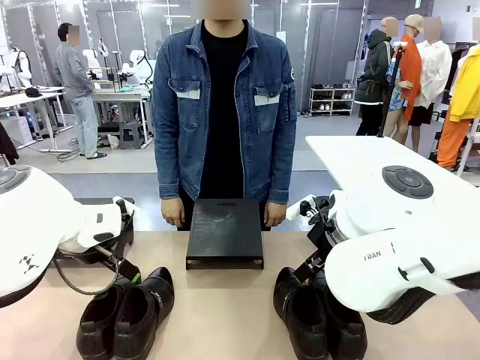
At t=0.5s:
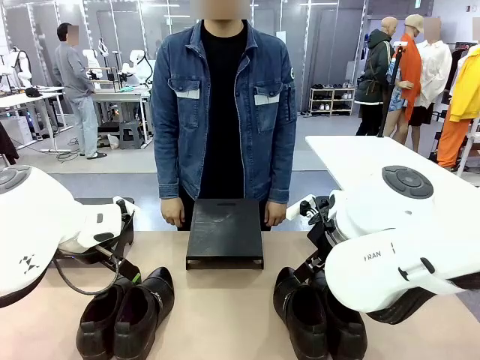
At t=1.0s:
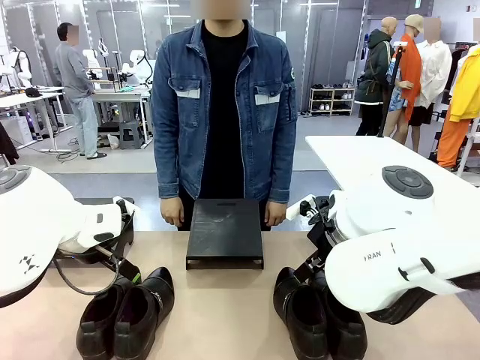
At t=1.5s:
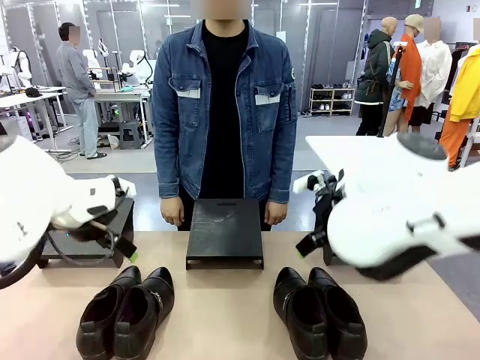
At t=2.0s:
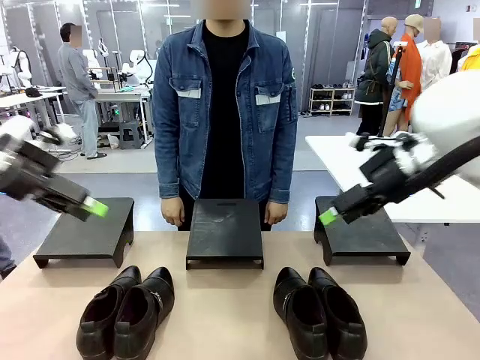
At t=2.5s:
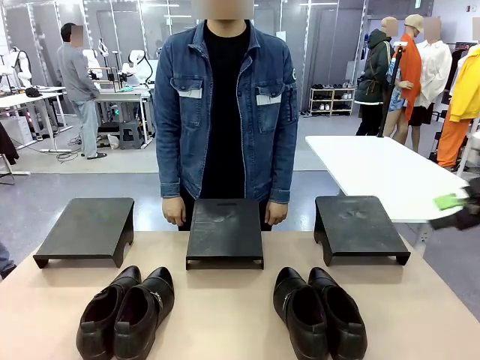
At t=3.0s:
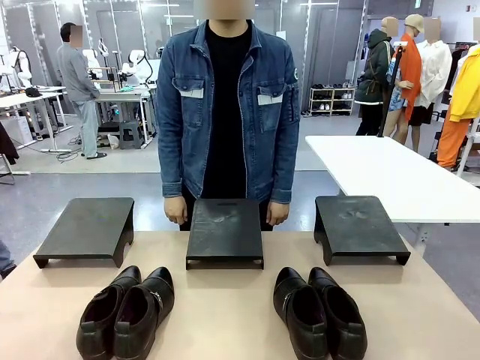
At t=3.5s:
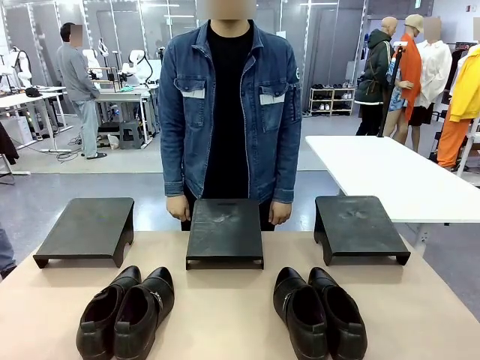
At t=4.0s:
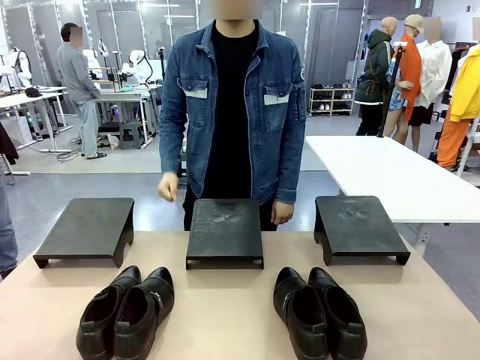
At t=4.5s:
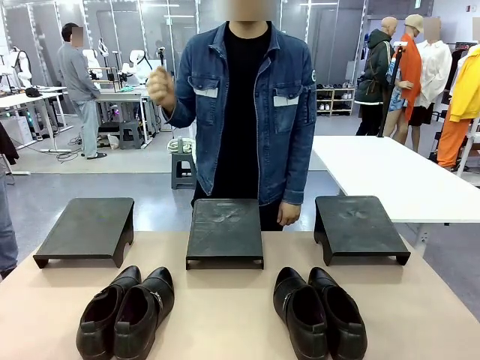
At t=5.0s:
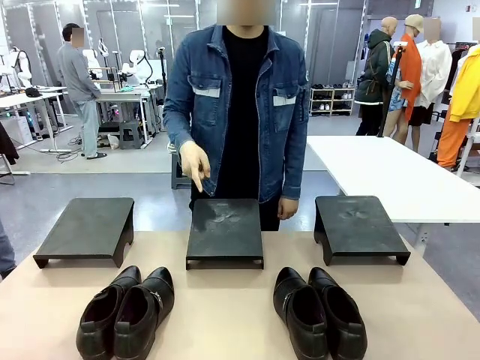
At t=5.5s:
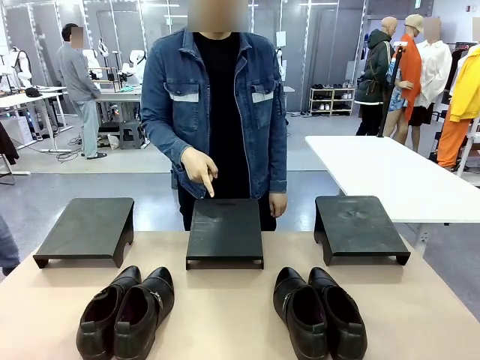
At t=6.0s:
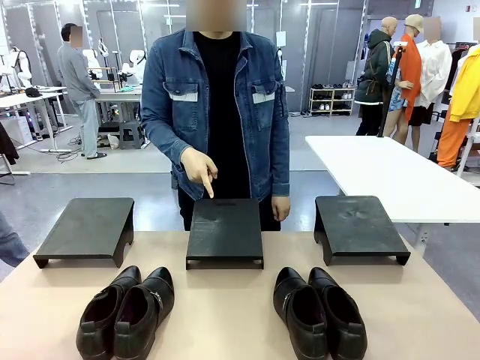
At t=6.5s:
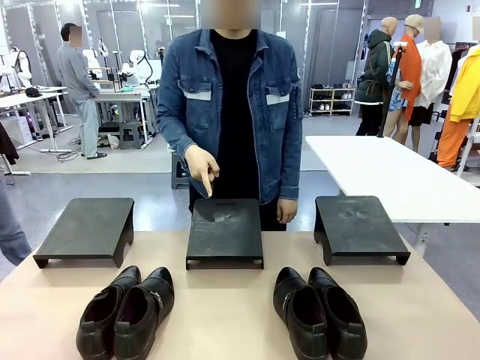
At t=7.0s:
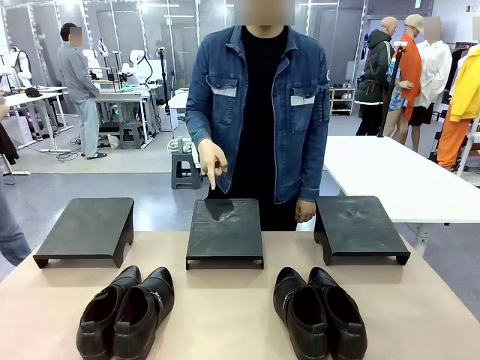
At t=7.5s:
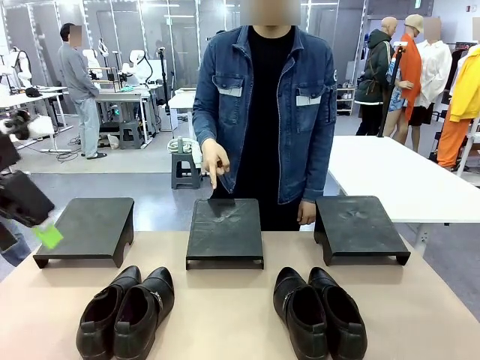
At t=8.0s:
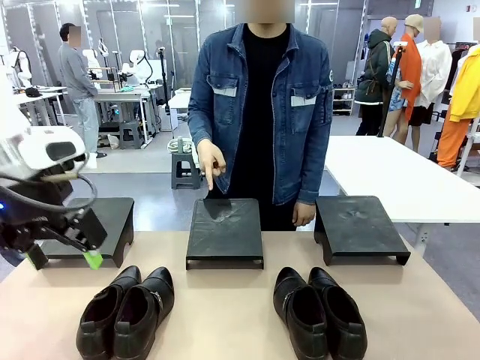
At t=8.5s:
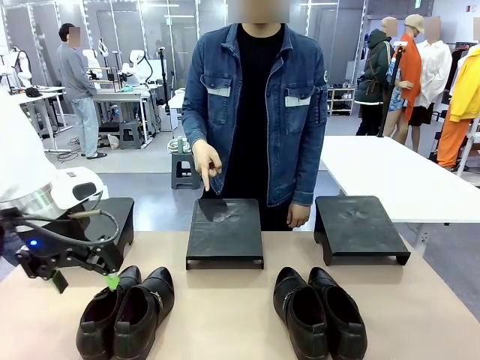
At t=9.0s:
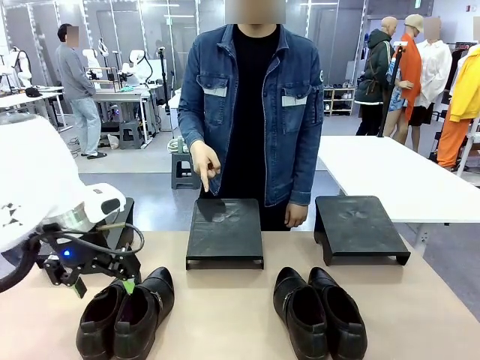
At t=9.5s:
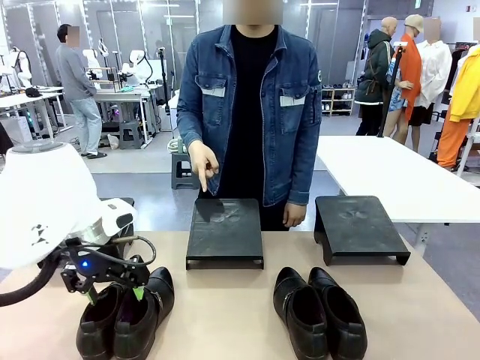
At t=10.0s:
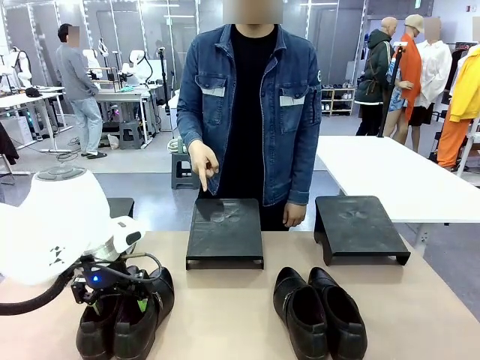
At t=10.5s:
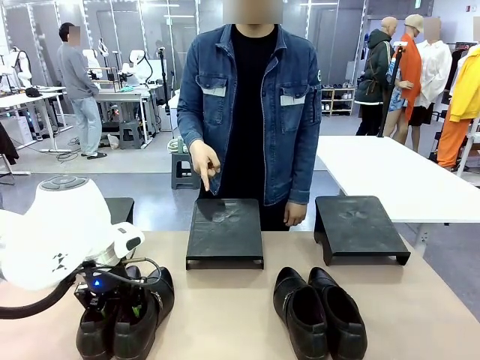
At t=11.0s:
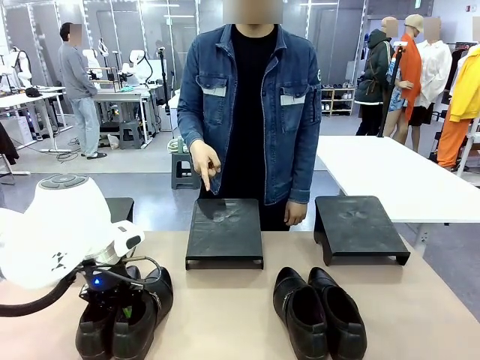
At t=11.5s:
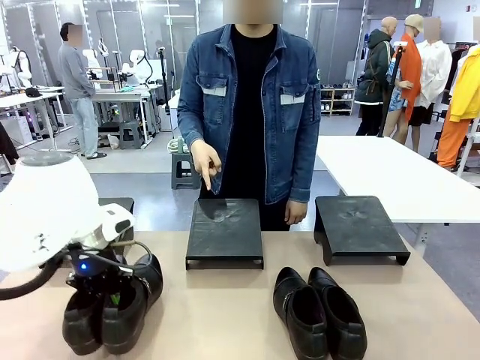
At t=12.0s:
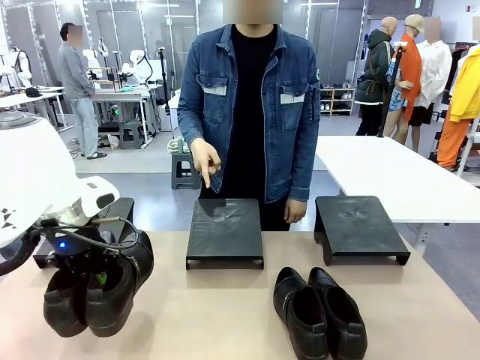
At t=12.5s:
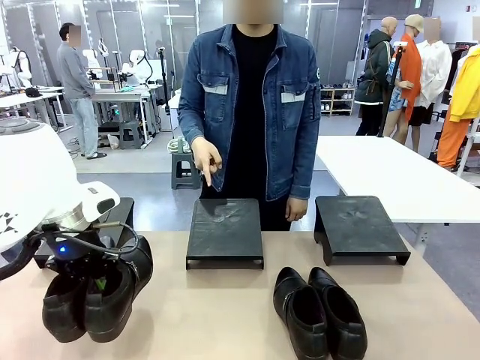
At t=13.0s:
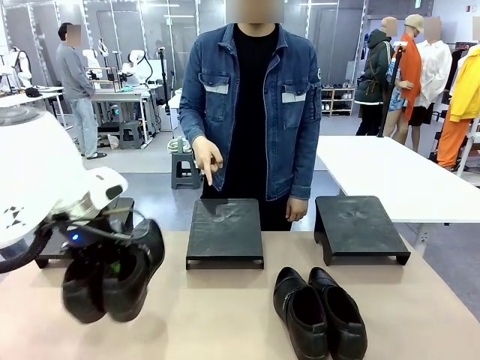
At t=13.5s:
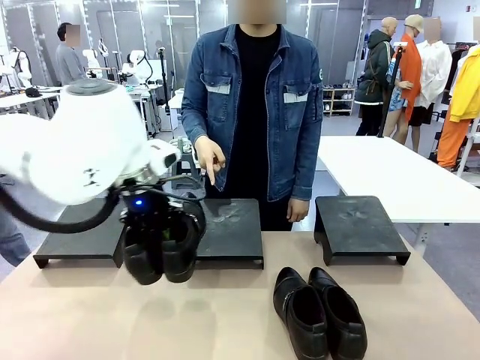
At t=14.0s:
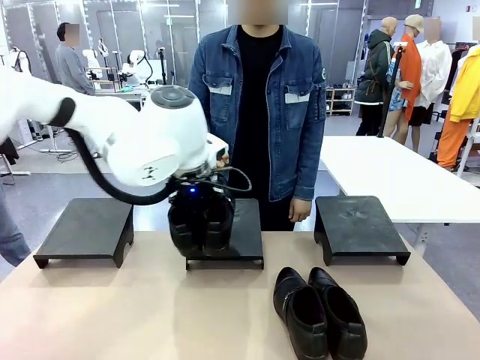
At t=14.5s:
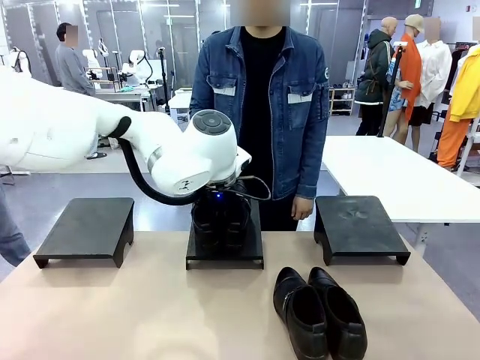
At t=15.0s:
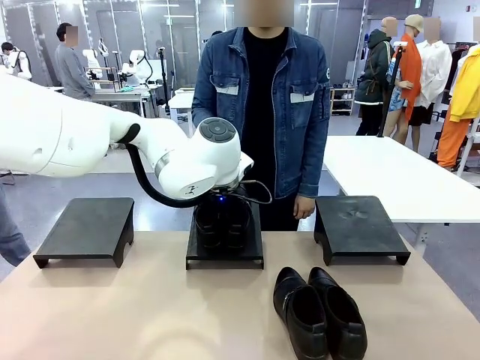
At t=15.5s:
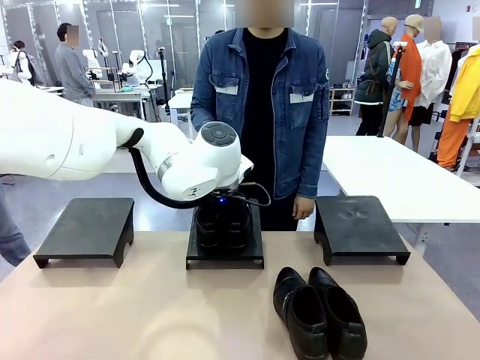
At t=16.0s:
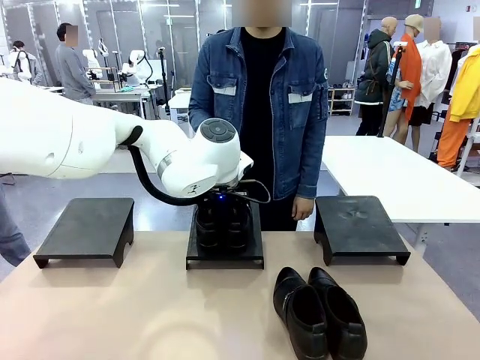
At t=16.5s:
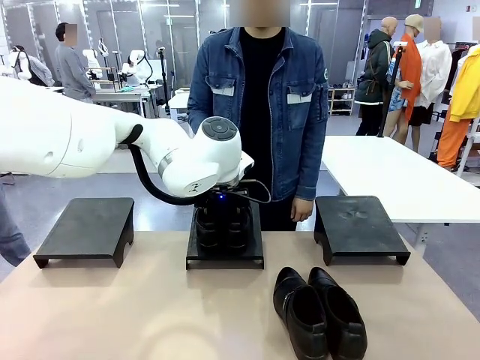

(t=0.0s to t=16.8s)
Task: Place the shoes on the stand as instructed by the person.
Robot: Pick up one pair of Shoes and place it on the Shoes Stand indicated by the person.
